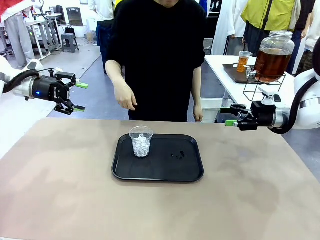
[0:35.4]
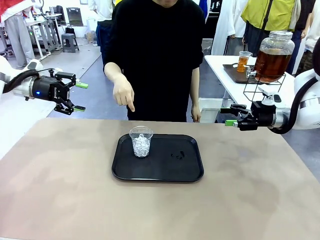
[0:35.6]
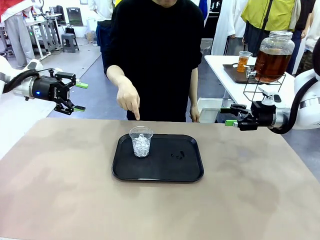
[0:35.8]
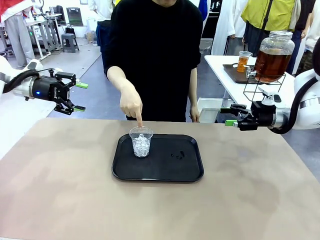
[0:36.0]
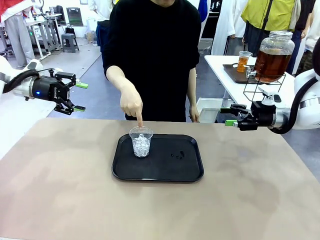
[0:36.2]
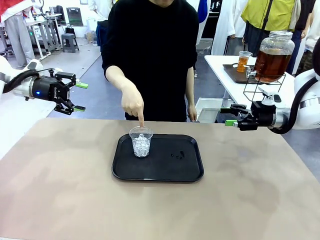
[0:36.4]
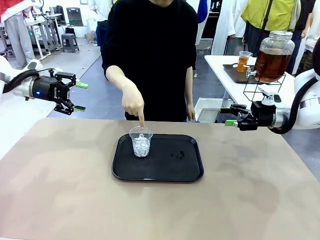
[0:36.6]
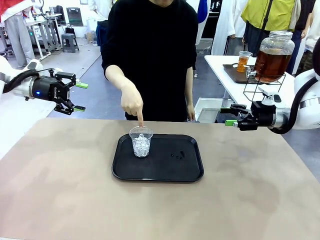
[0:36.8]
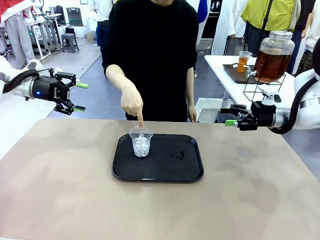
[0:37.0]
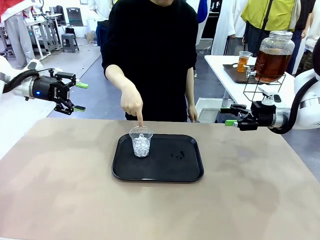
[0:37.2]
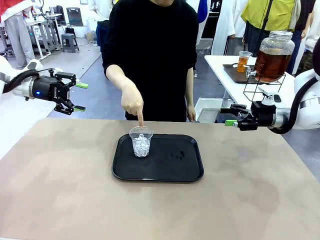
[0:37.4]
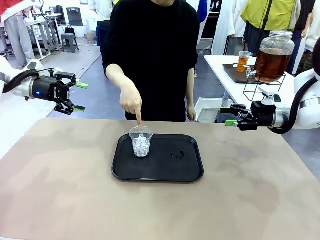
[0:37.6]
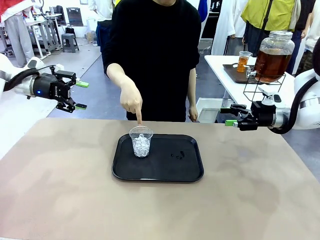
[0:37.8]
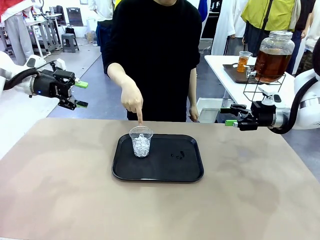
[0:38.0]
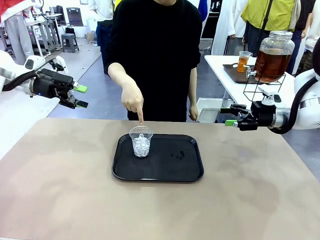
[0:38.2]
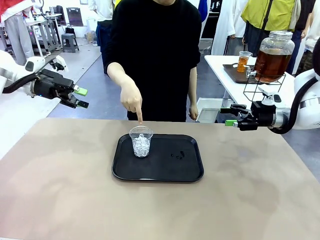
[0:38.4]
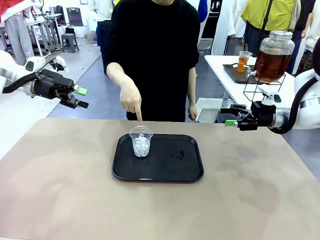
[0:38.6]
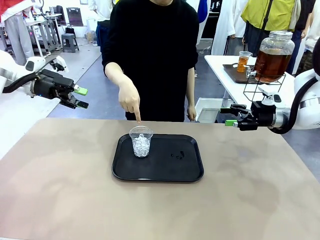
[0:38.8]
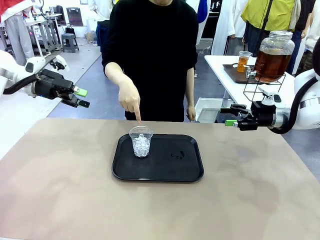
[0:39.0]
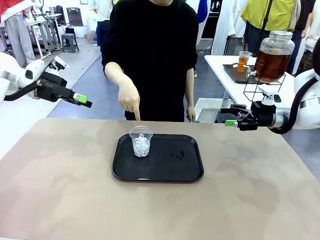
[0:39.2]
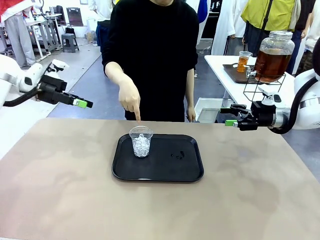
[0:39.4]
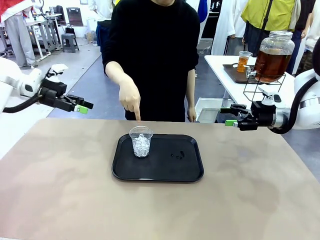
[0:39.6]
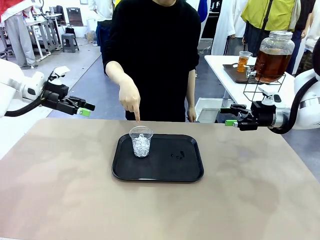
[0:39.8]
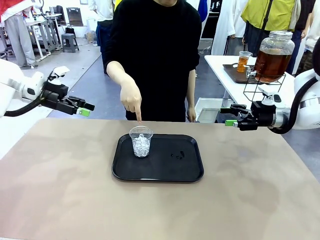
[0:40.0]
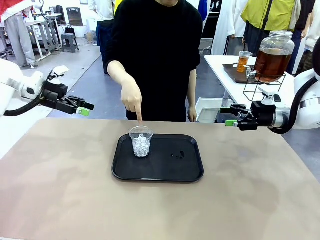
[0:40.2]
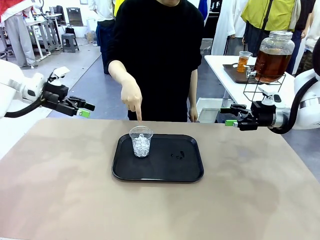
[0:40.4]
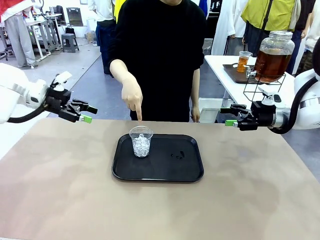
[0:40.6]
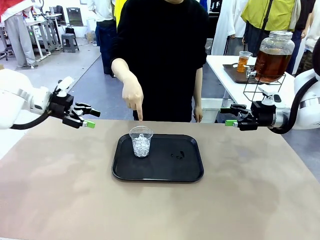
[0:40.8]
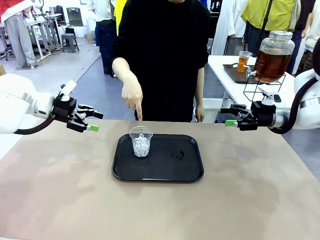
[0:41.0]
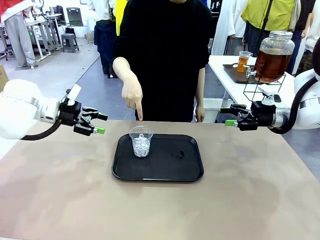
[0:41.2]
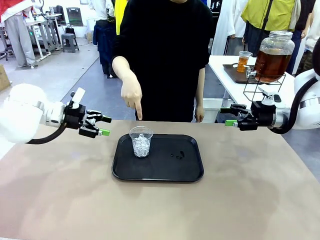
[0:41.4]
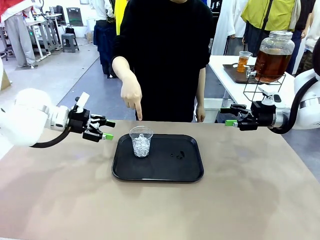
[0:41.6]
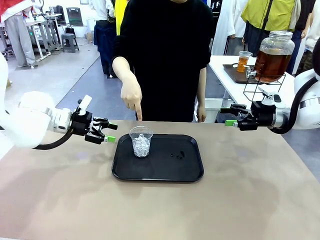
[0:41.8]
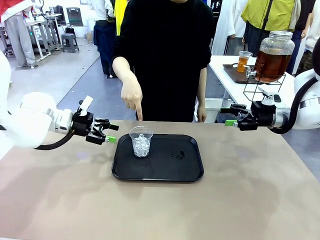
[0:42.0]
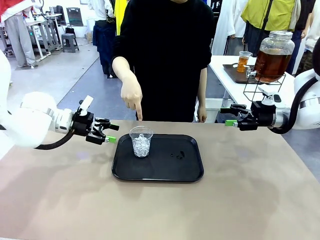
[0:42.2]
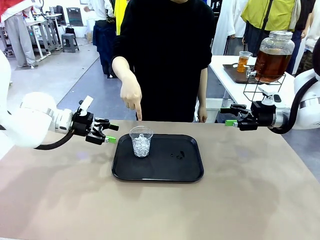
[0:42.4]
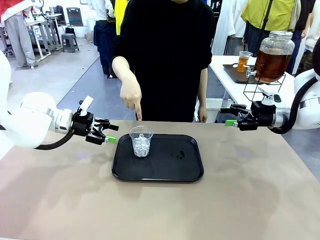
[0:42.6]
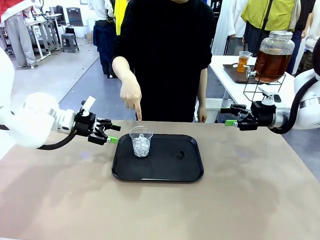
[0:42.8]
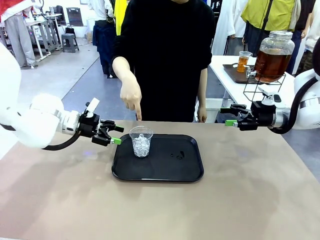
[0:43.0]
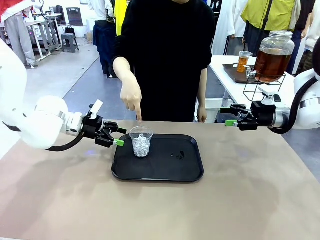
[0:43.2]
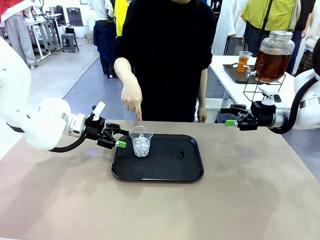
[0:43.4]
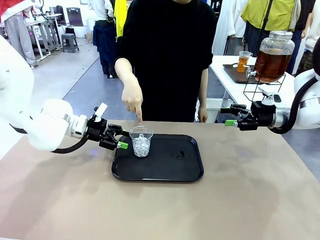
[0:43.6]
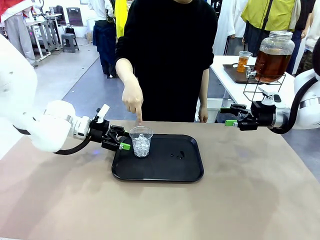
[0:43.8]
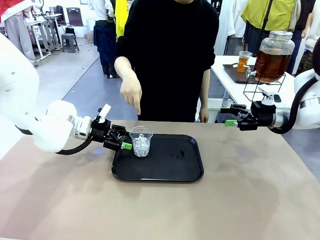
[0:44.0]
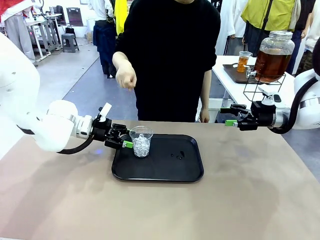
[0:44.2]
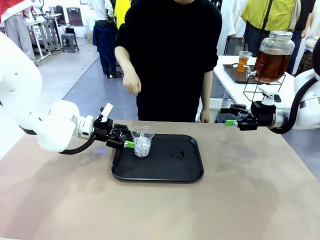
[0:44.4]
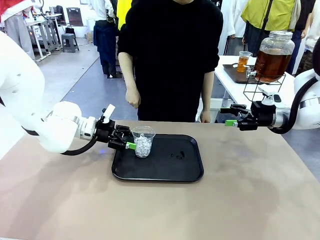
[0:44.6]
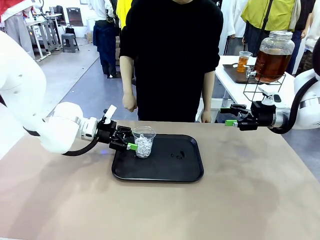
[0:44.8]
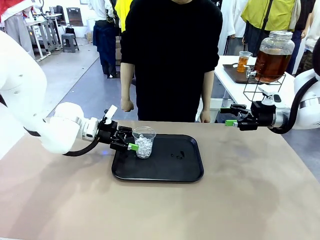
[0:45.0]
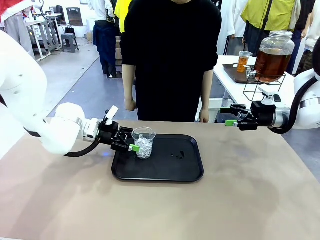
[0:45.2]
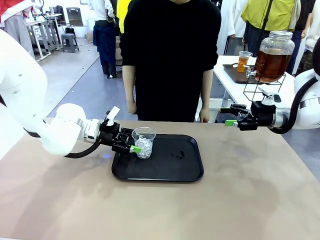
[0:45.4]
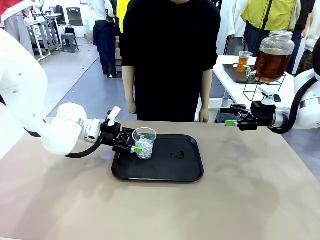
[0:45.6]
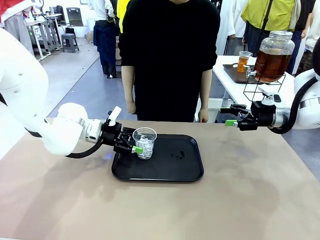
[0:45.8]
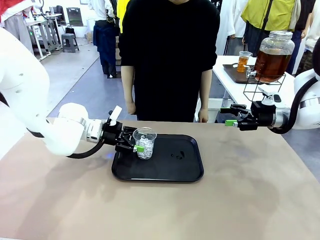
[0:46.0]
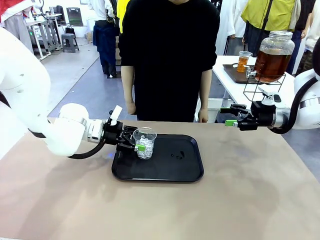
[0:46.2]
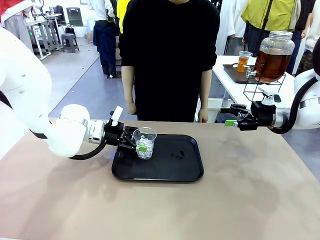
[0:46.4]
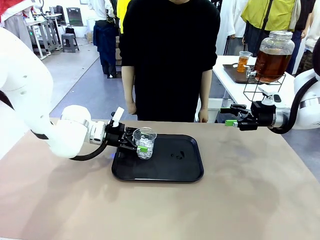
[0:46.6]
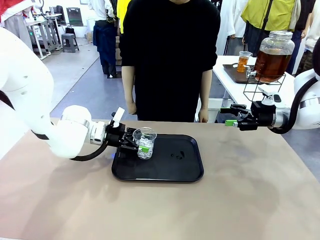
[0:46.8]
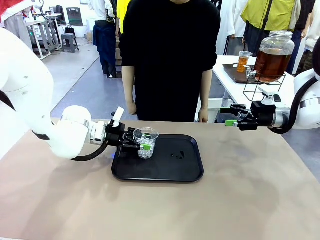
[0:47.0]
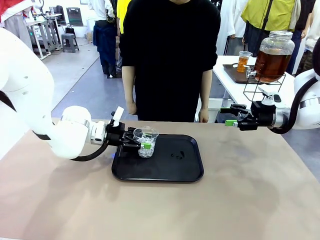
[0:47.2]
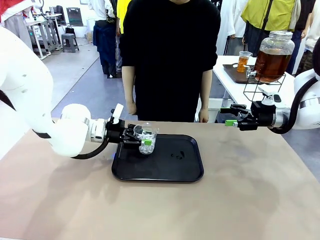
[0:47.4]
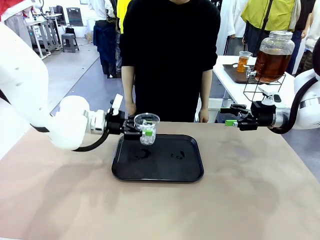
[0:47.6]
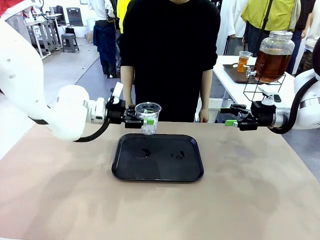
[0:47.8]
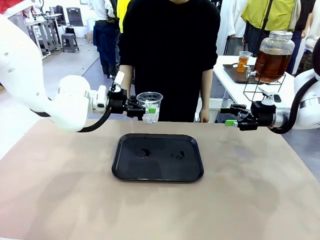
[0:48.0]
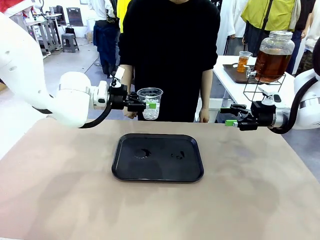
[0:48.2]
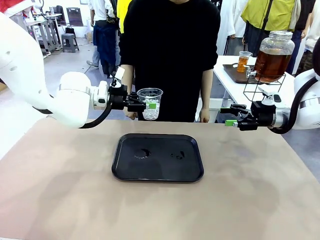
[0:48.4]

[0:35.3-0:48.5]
Task: Pour the drink into the iced cup.
Robot: Pick up the iced cup indicated by the human and present it to them.
Person: Pick up the cup offered by the robot.

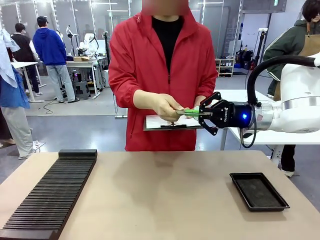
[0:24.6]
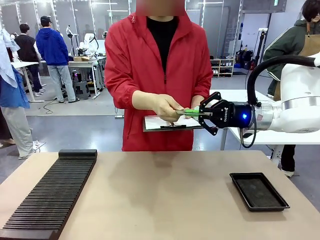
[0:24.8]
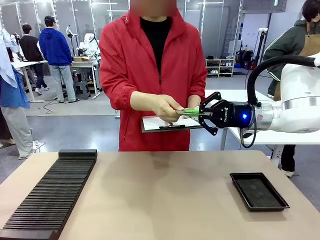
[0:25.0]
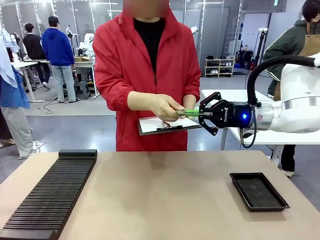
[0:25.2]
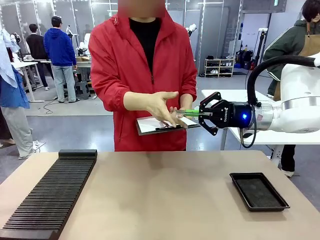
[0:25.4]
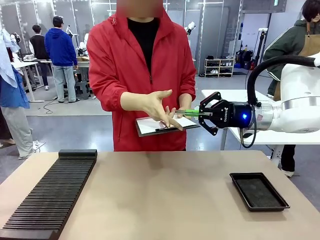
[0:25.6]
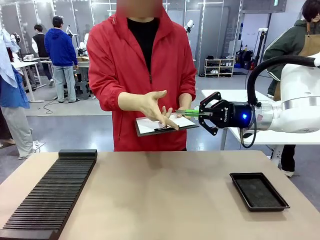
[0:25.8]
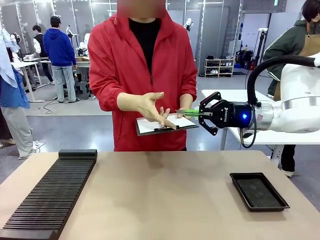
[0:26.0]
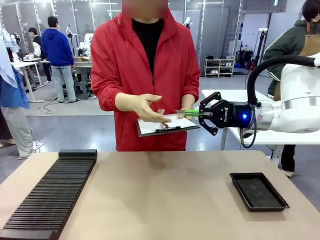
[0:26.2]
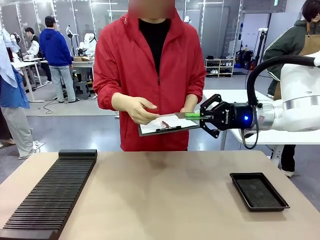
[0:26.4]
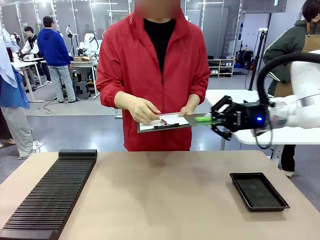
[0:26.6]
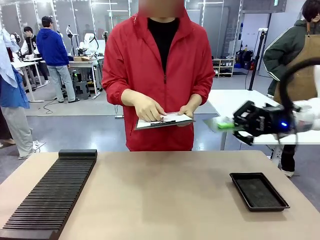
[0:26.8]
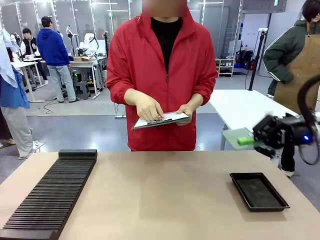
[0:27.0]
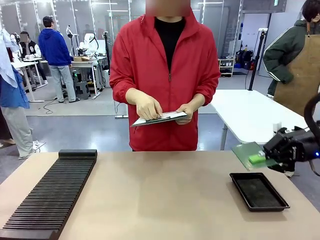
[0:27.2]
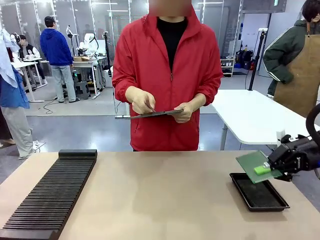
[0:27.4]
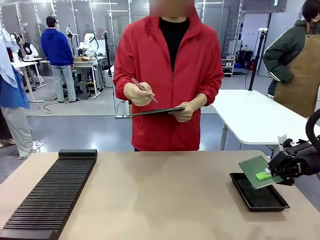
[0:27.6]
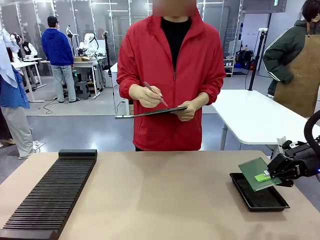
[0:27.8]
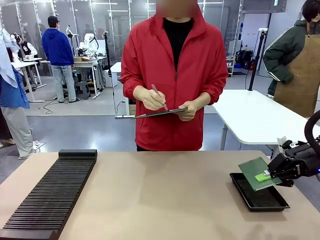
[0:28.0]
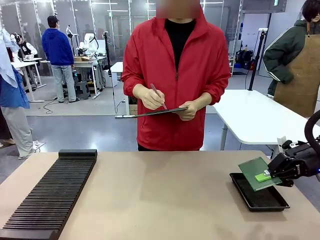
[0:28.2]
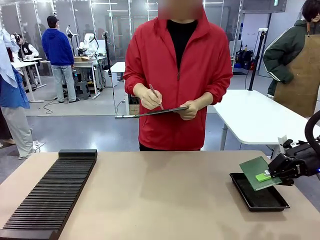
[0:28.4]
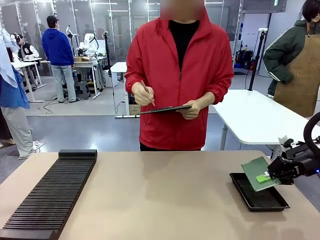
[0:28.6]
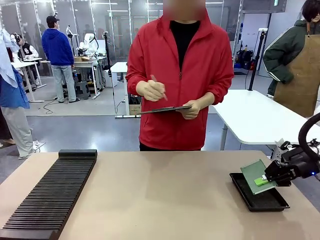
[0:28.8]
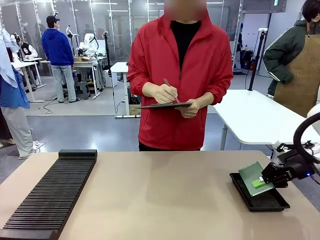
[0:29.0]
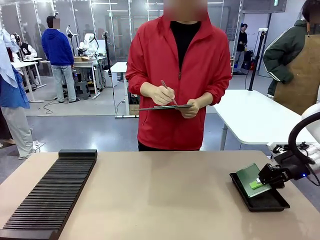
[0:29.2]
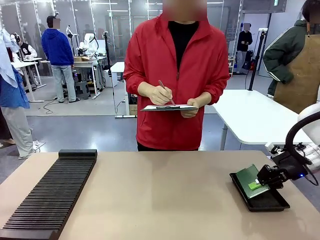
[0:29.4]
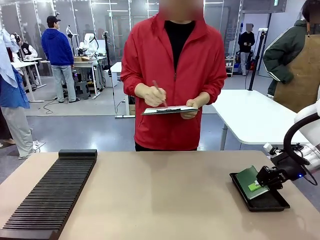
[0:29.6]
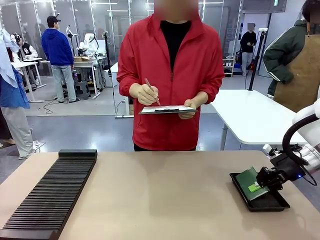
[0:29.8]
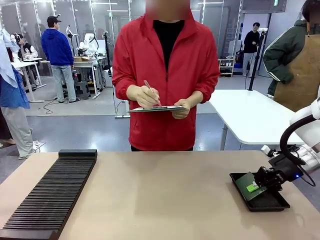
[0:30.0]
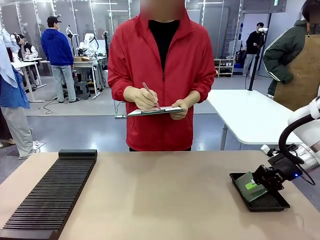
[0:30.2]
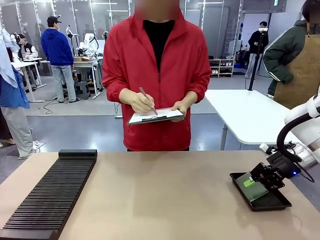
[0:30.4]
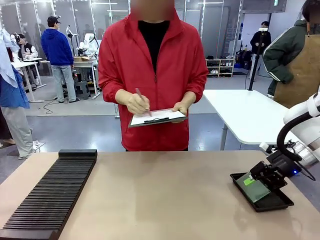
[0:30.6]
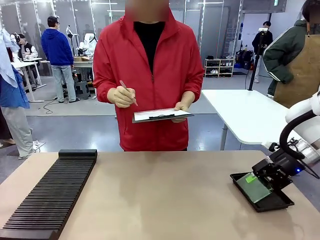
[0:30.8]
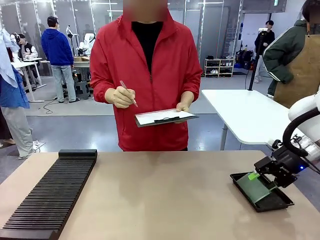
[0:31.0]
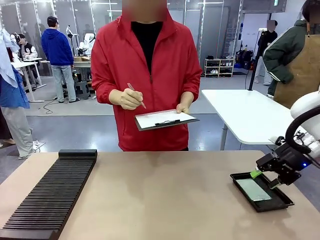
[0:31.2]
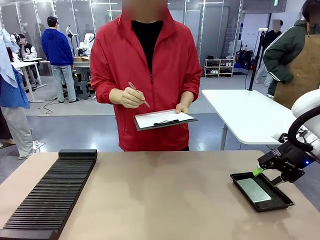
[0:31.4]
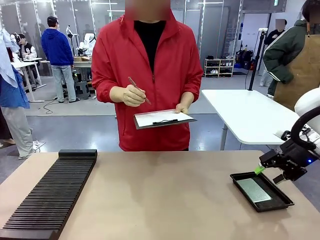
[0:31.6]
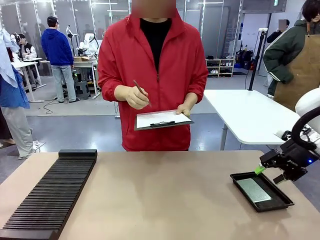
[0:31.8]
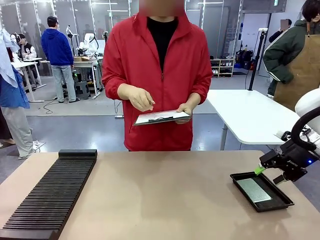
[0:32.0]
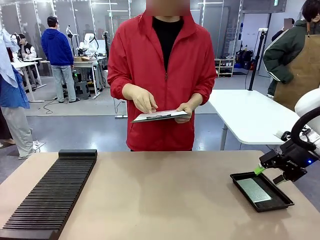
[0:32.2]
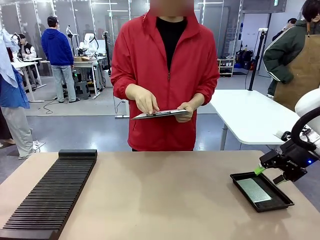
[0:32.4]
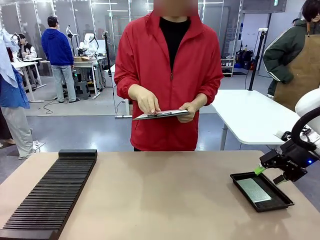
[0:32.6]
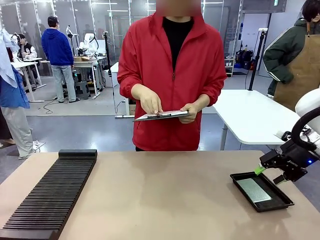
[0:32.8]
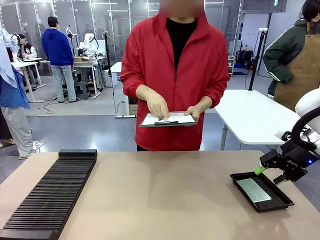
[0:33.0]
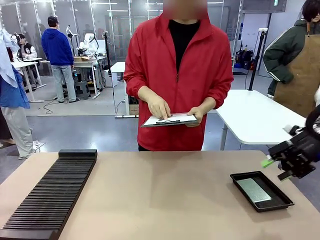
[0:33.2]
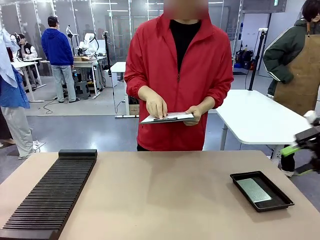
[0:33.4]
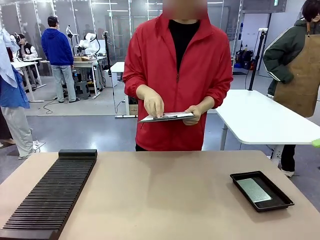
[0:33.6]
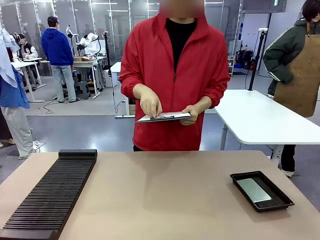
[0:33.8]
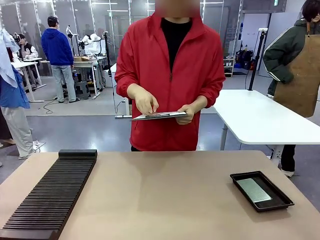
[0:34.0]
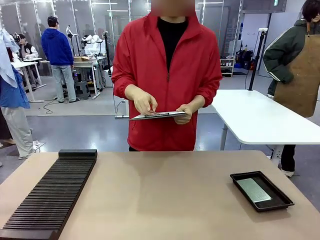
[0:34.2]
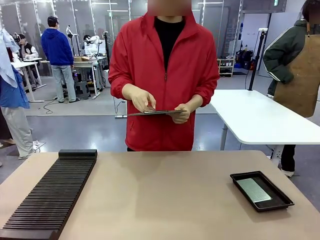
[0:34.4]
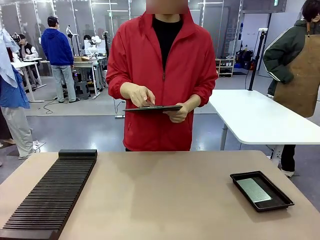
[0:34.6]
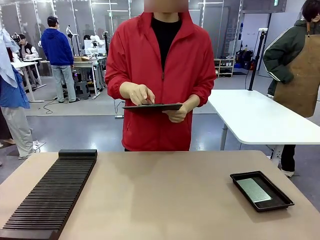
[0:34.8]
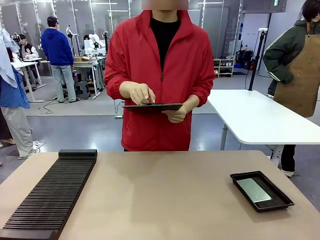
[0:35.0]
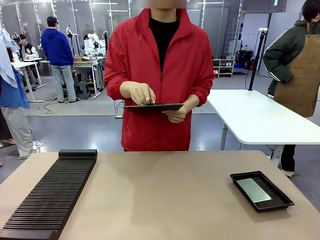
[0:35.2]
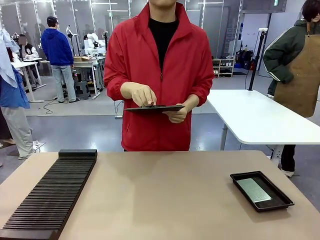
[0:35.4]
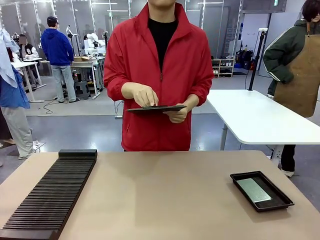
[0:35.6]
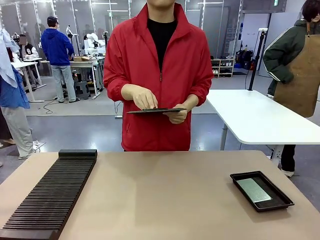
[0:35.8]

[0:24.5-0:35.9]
Task: Inspect the PCB.
Robot: Place the Blank PCB in the ESD tray.
Person: Record the PCB status on the paper.
